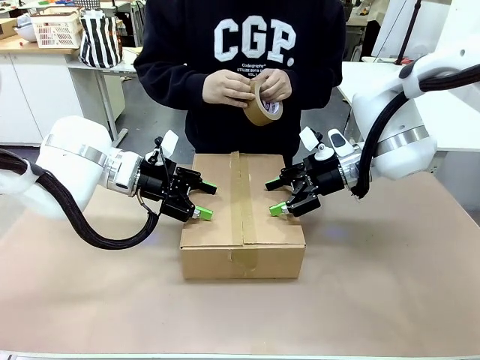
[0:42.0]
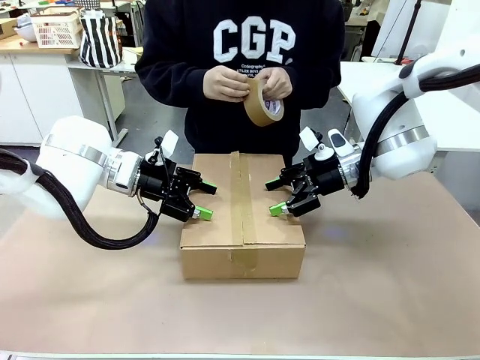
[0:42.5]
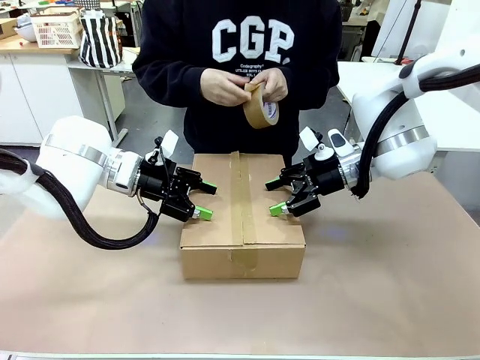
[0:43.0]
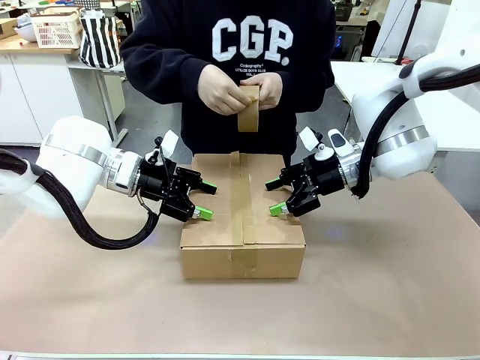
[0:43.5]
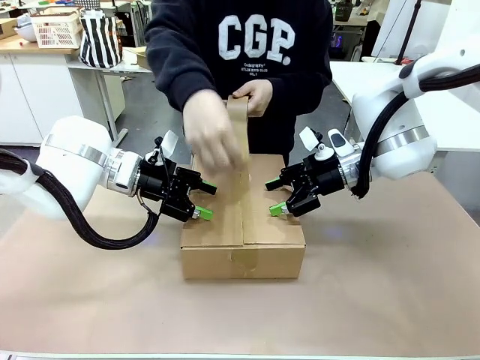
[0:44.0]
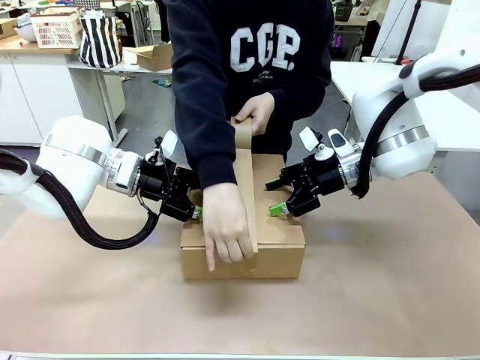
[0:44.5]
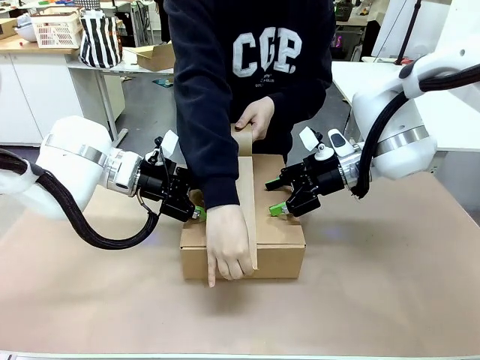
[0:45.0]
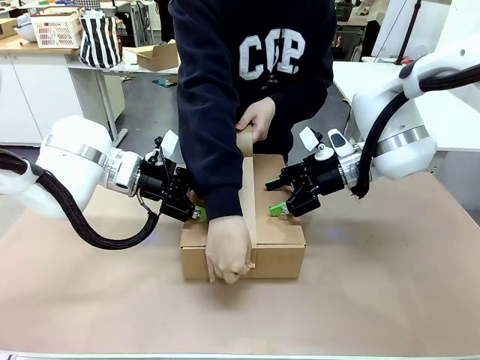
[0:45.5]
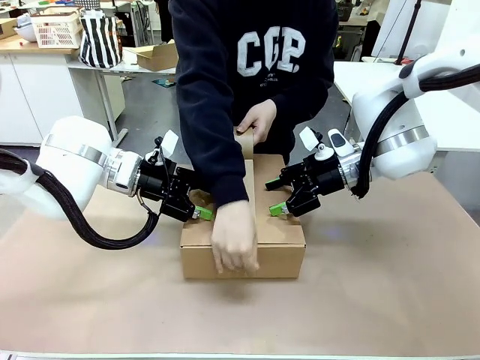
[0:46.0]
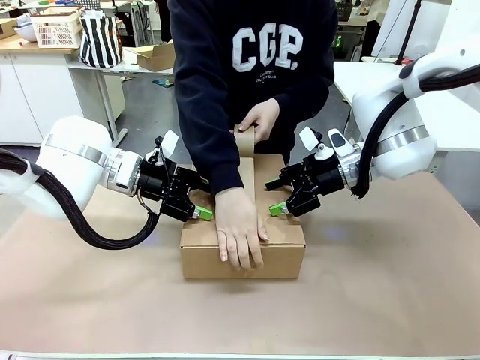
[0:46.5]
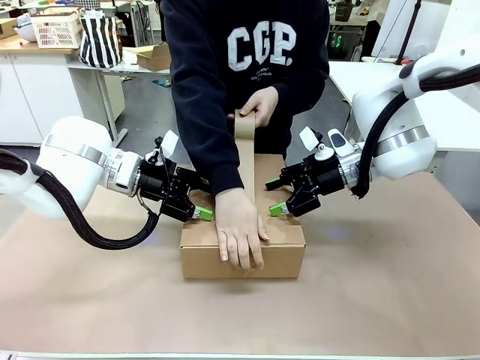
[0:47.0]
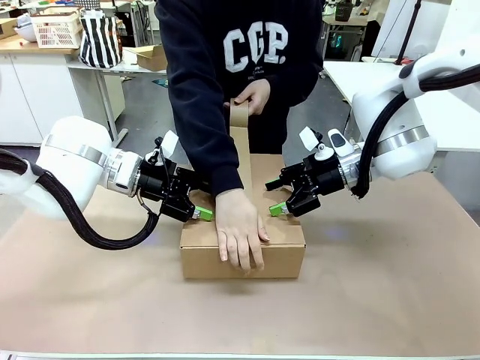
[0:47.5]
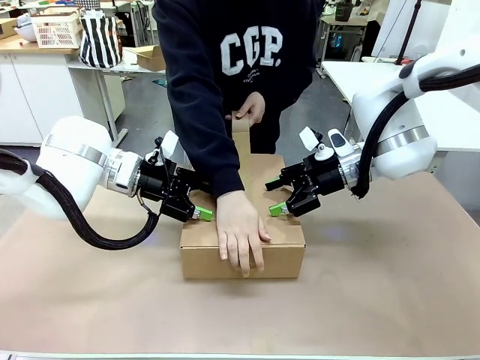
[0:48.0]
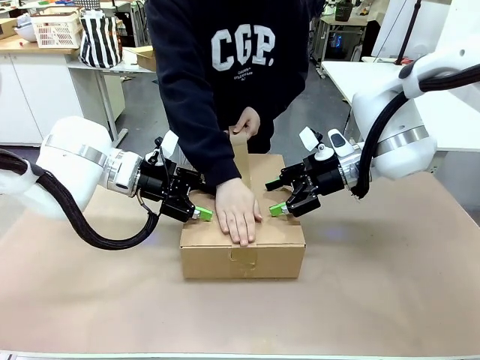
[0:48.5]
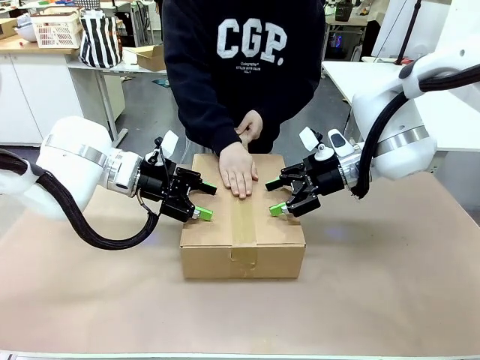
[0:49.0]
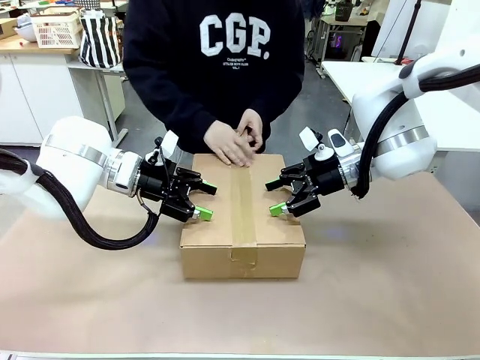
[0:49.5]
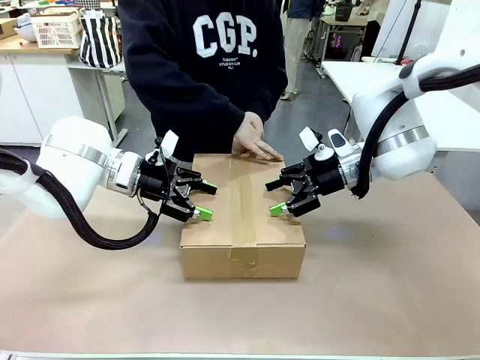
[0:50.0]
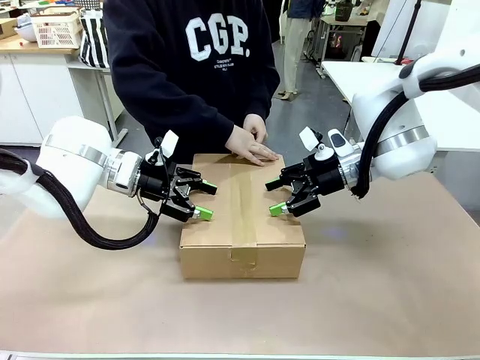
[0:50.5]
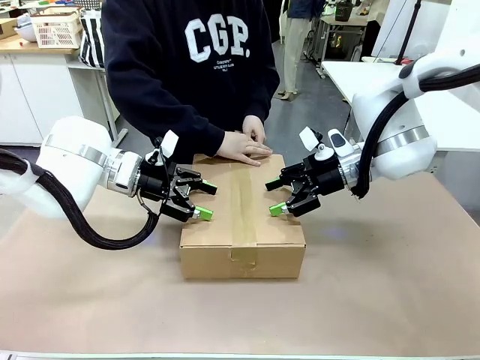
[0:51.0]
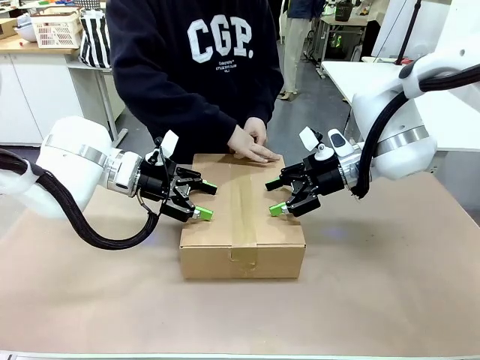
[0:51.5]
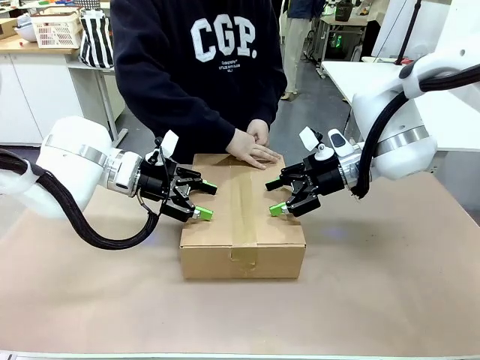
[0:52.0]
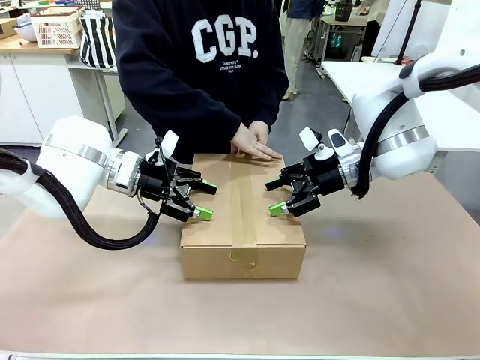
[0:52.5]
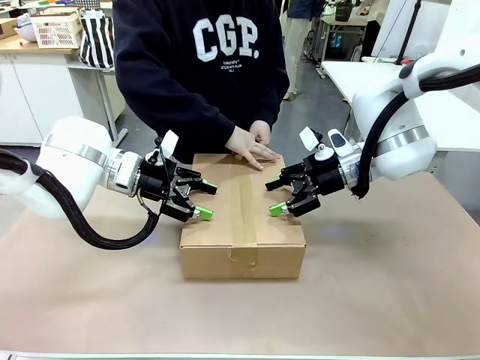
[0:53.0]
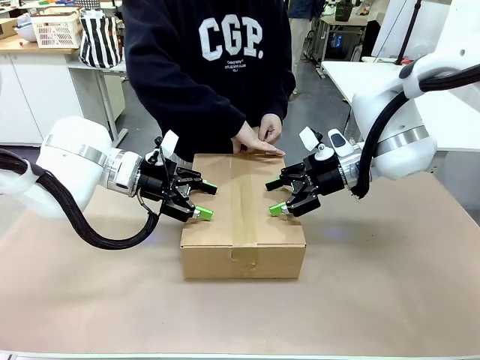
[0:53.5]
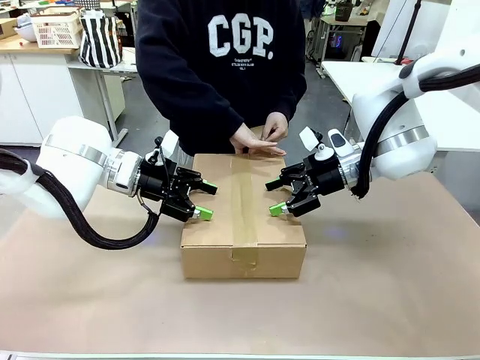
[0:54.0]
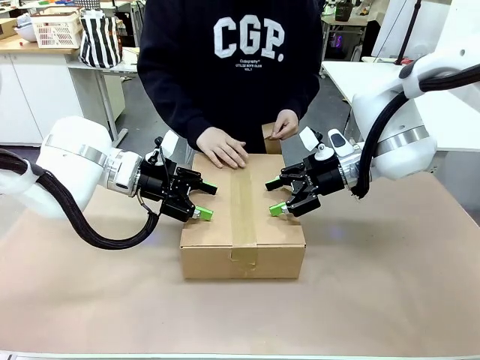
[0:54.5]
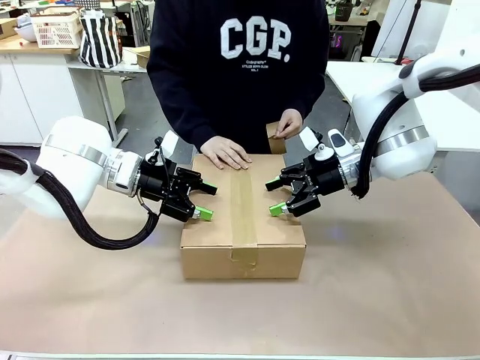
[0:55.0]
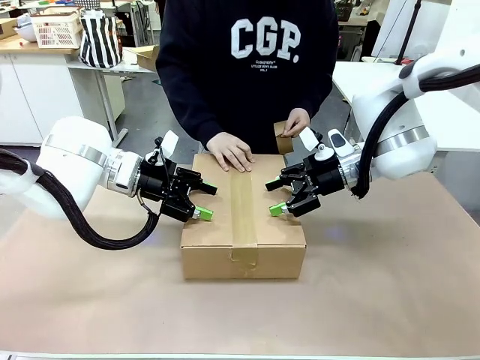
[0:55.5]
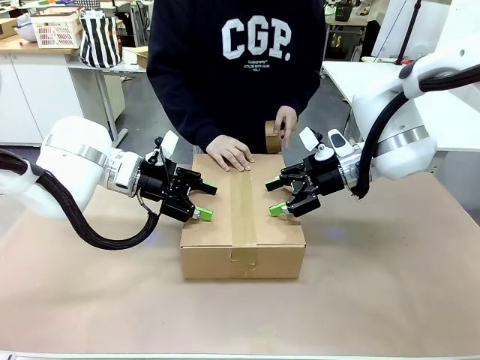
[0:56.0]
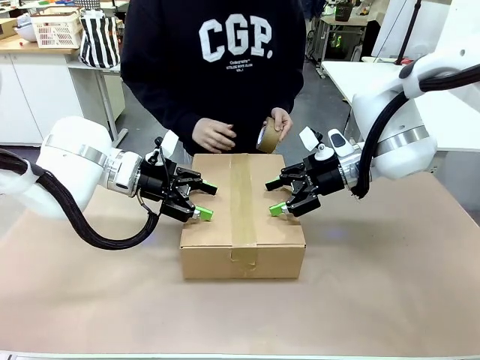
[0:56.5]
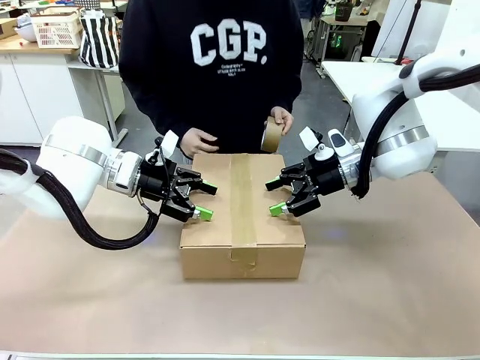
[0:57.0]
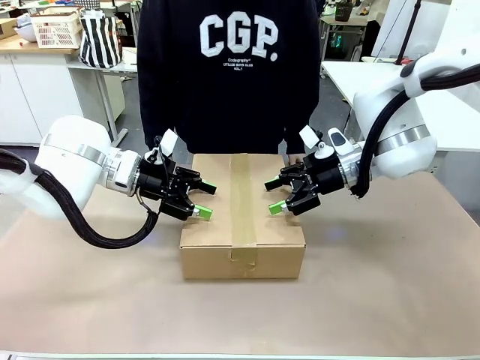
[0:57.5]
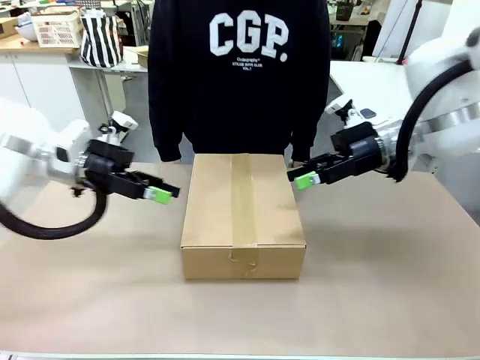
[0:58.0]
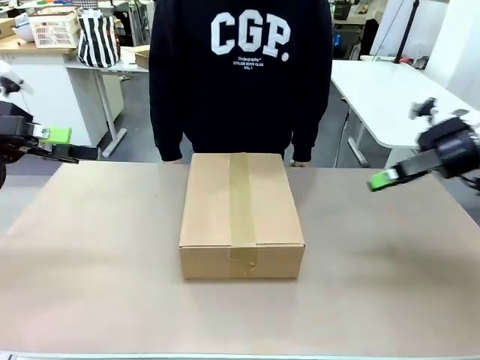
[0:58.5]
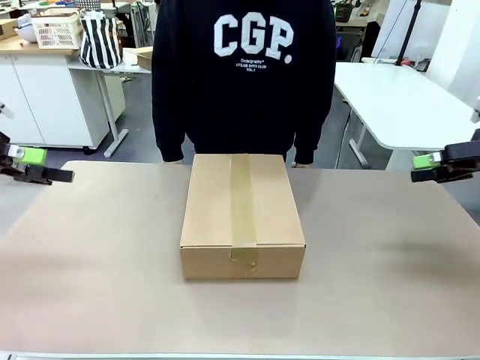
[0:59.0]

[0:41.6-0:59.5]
Task: Pack the gift set into the box.
Robot: Press and hold the closed box until the human finishes sealing it.
Person: The human picks up the paper tape from the human table and packs the box.

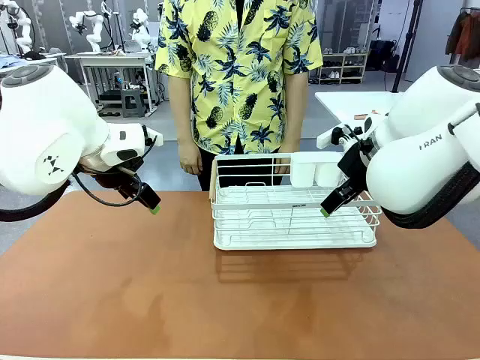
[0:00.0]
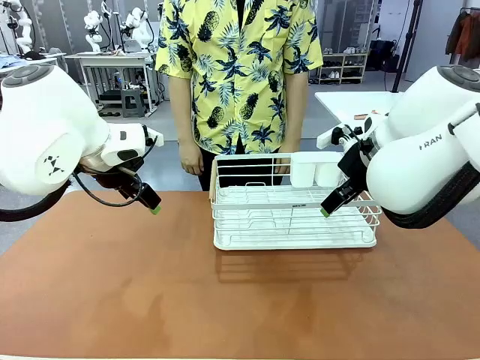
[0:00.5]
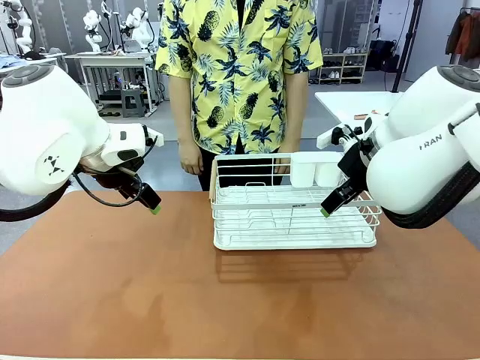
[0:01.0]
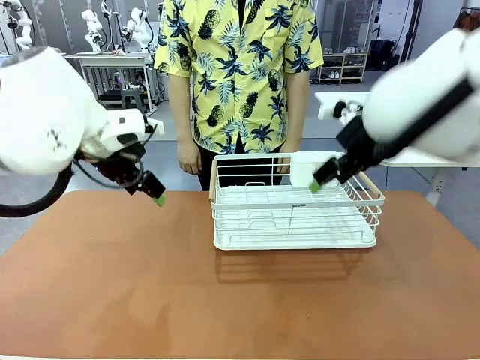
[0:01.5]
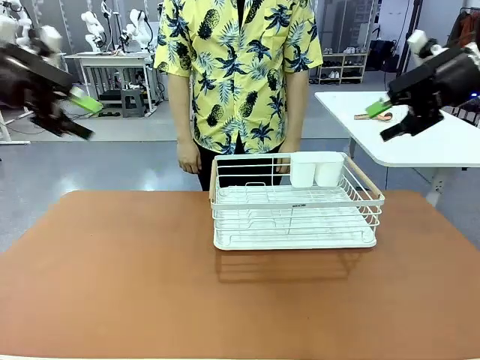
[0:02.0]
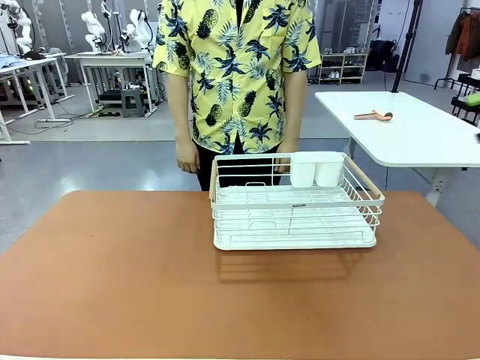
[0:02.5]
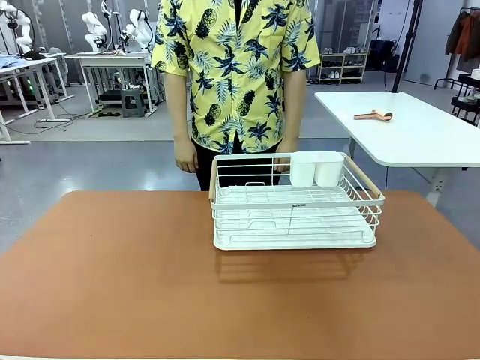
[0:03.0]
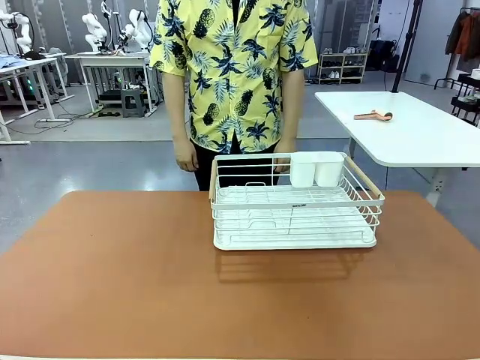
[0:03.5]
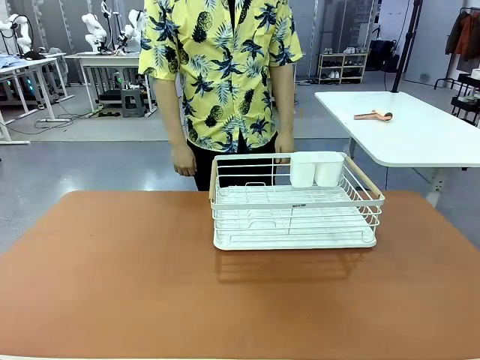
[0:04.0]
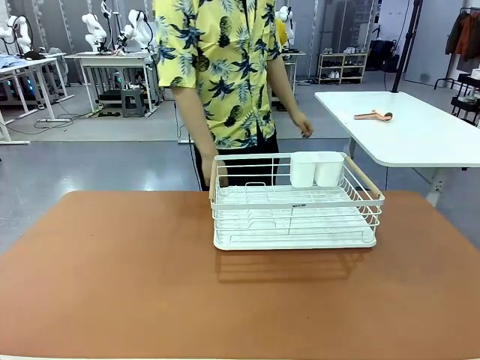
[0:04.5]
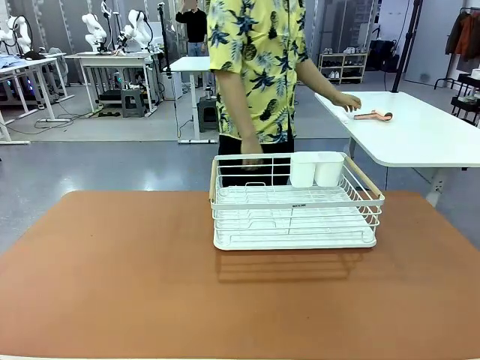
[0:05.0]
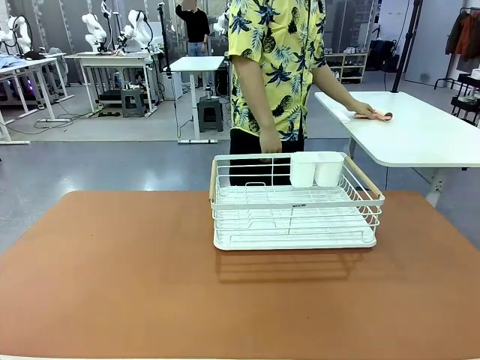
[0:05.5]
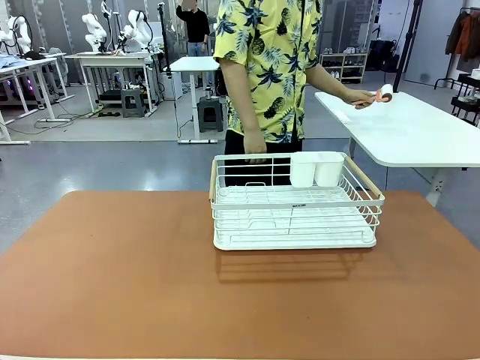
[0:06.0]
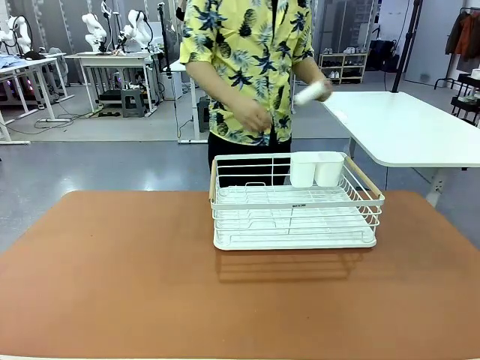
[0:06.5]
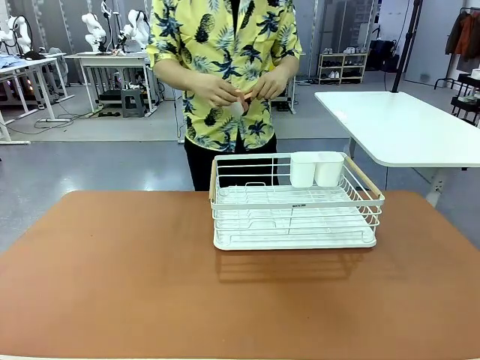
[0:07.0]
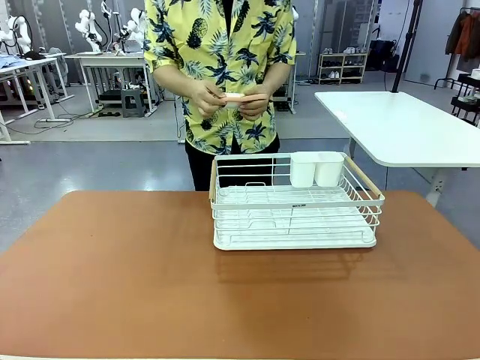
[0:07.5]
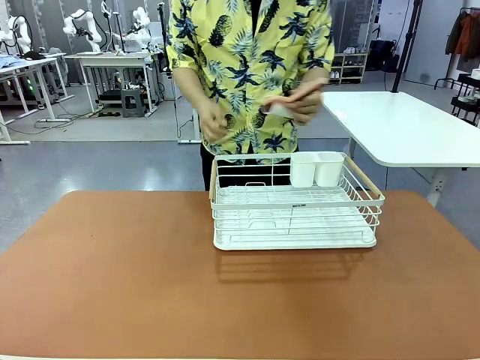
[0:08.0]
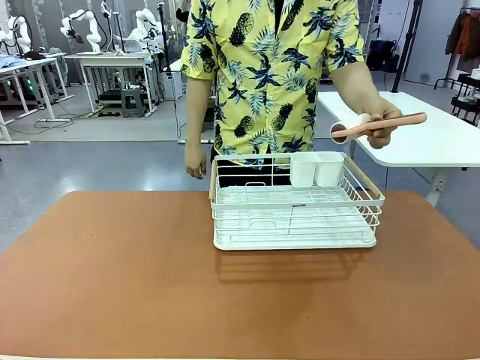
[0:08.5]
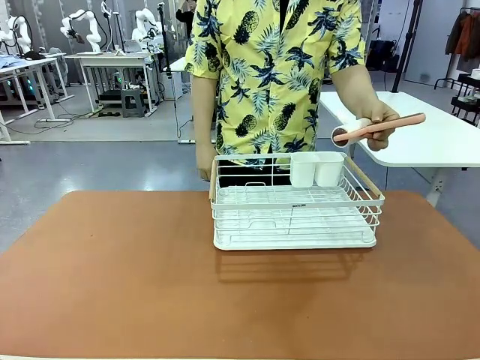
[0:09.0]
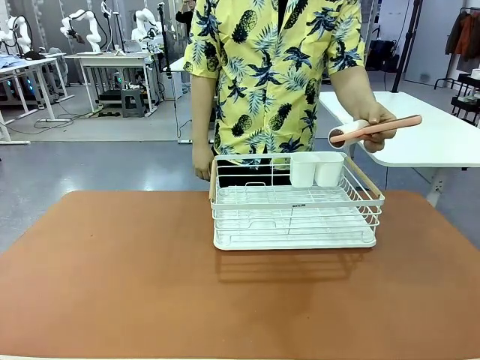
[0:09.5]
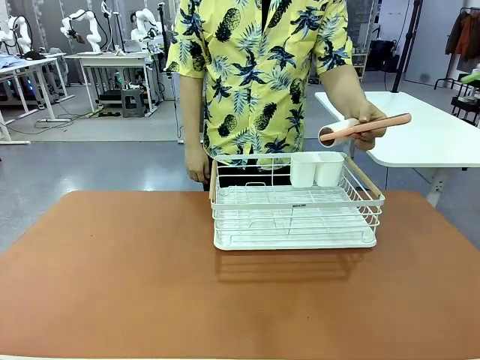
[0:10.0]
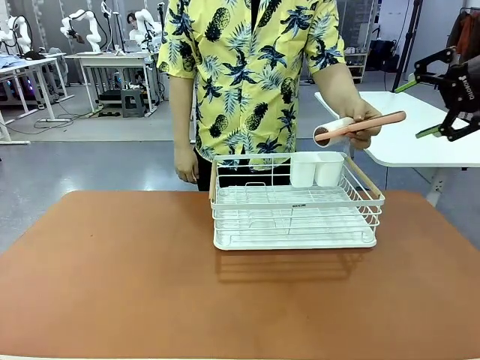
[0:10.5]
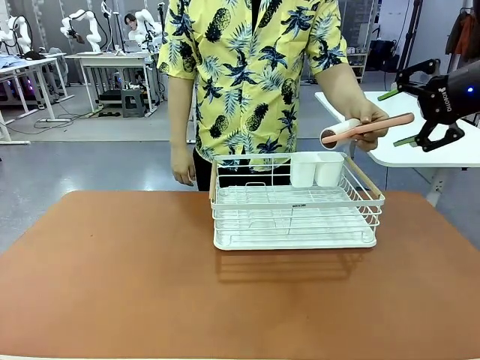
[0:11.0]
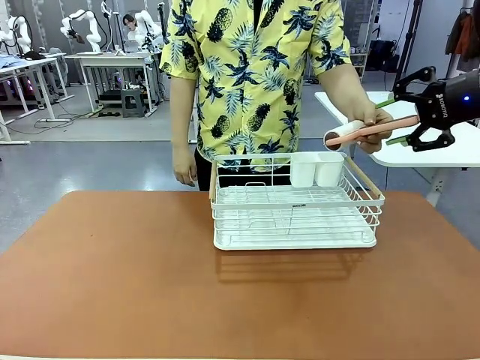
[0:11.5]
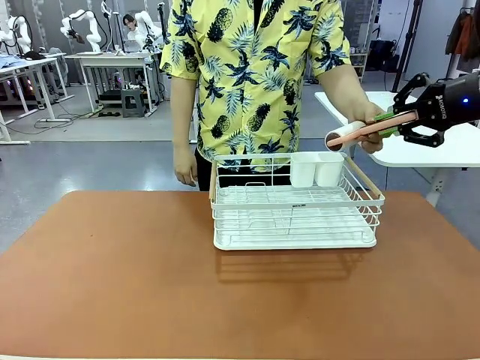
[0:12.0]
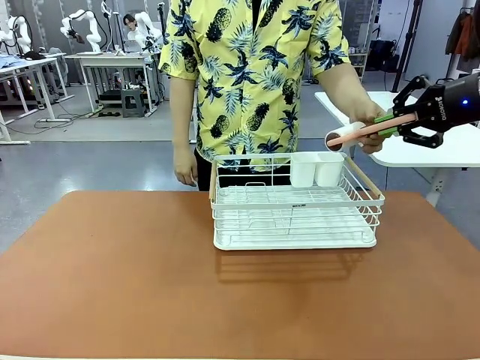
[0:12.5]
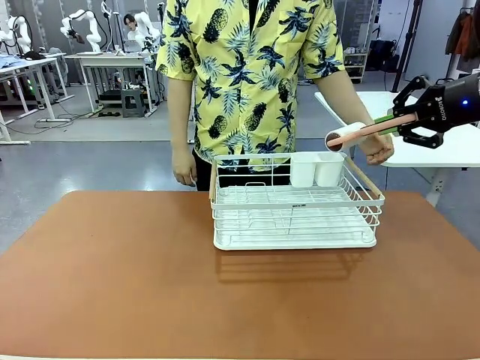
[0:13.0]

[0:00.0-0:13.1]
Task: Clean the table.
Robot: Pick up the Lint Roller when the human hands it over.
Person: Hand the Lint Roller to the robot so it can easily pick it up. Lift the Dish drying rack.
